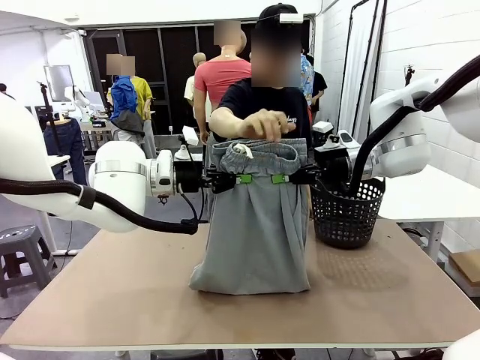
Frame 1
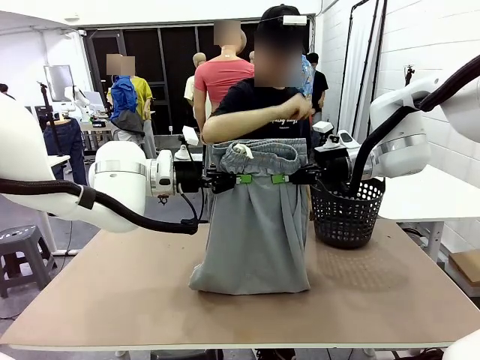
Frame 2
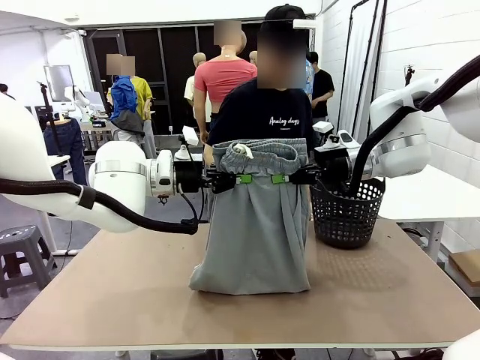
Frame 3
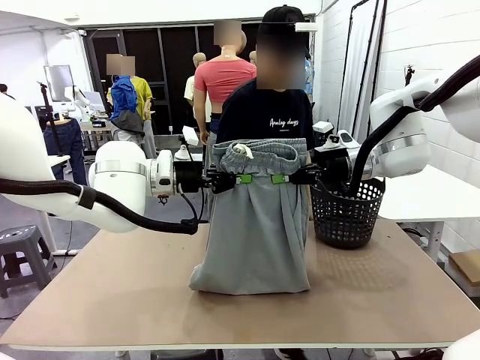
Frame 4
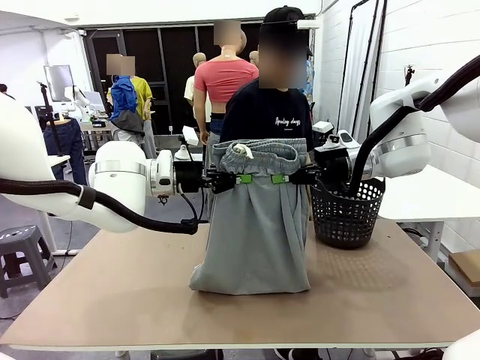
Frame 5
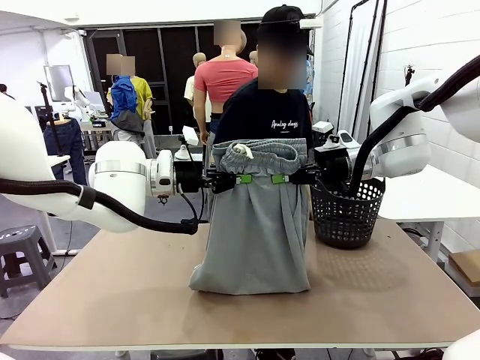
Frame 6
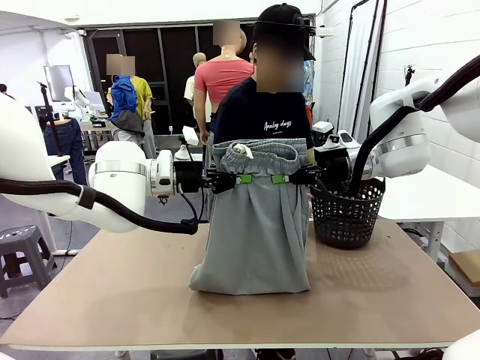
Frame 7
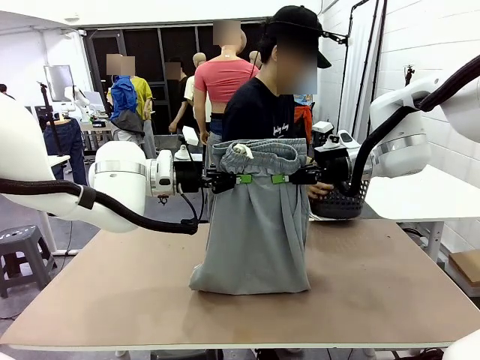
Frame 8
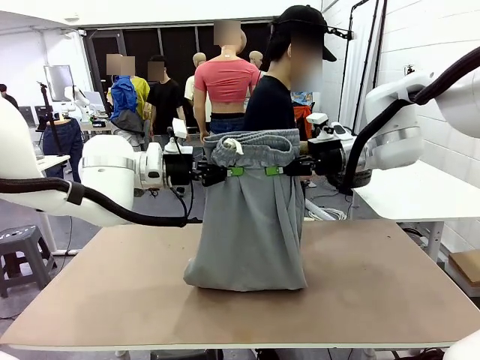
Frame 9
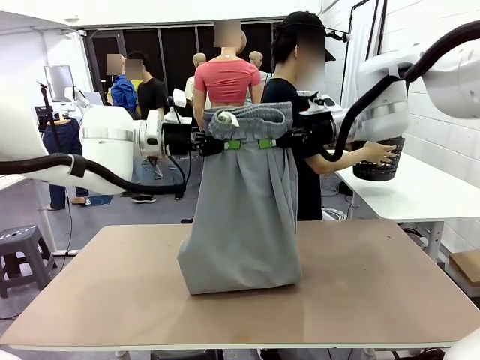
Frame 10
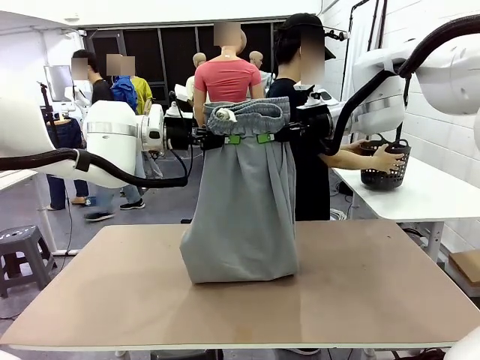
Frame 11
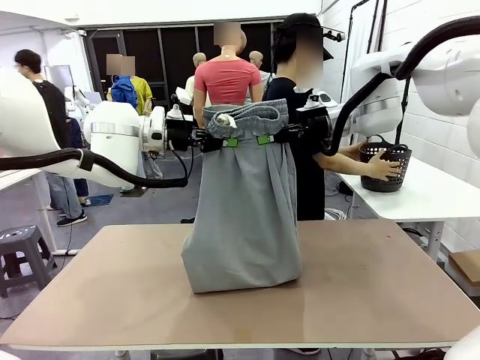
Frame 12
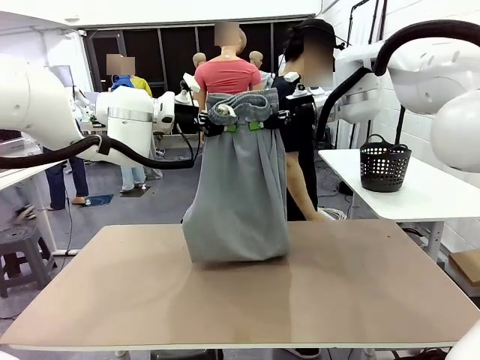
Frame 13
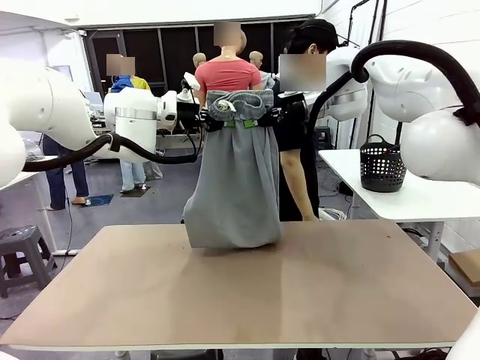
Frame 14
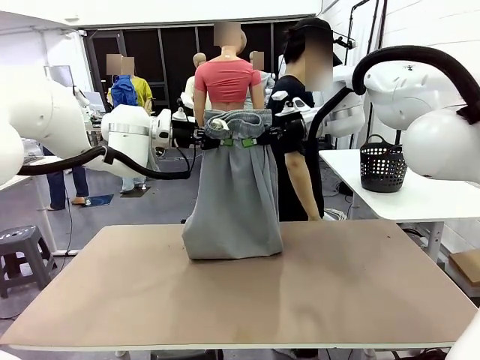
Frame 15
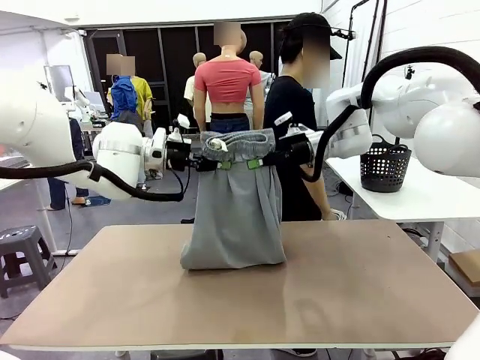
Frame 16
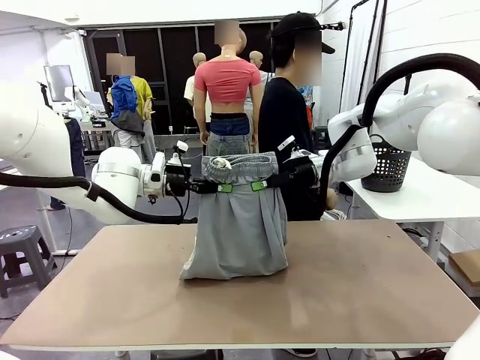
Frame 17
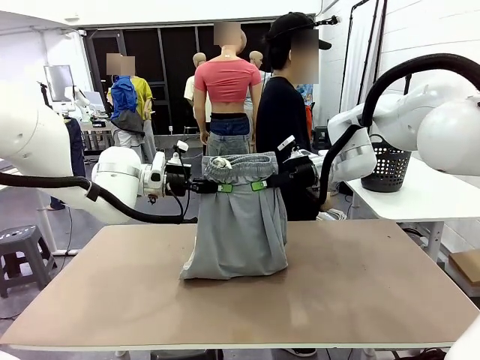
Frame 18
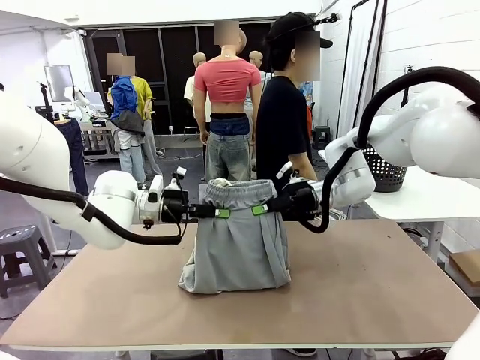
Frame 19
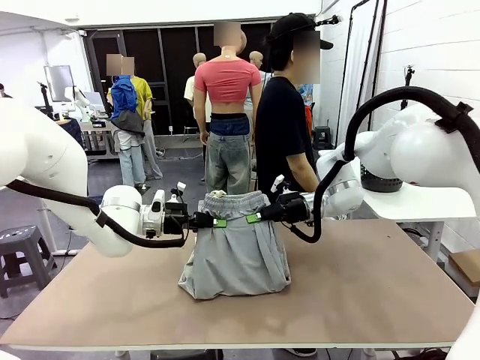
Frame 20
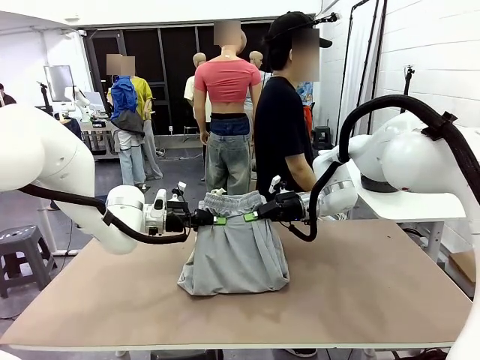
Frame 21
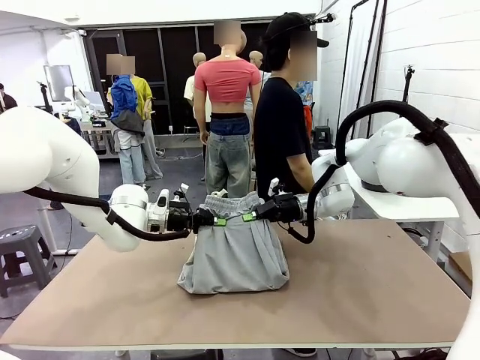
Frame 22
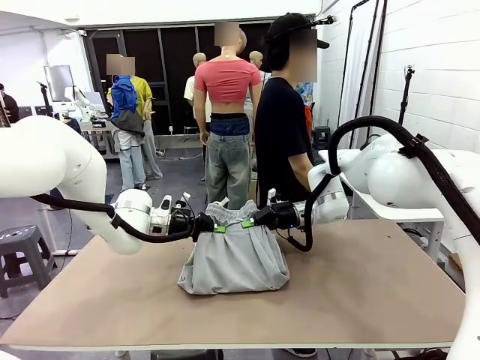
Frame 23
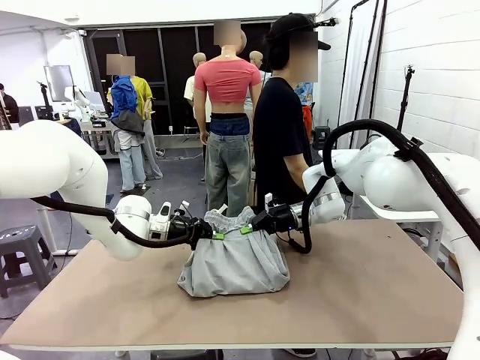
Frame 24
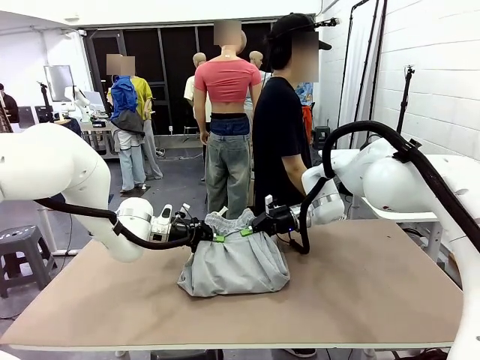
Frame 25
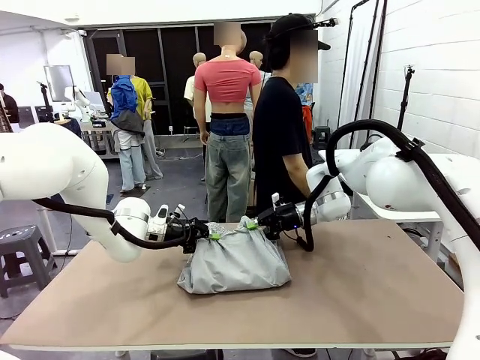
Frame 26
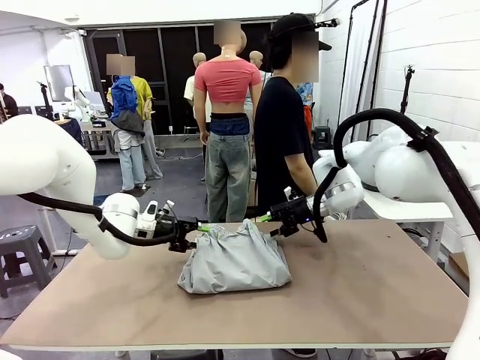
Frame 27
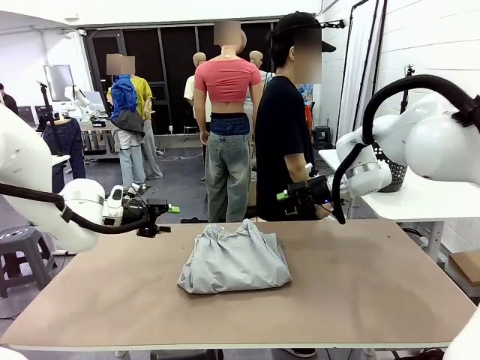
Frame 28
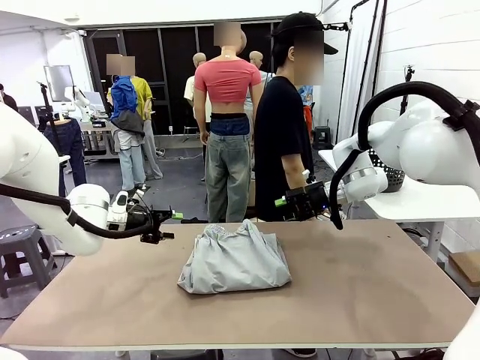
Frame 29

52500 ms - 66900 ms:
Task: Fold the training pants.
Robot: Fold the Training pants in half.
Person: Move the laundry basket to the right of the human table.

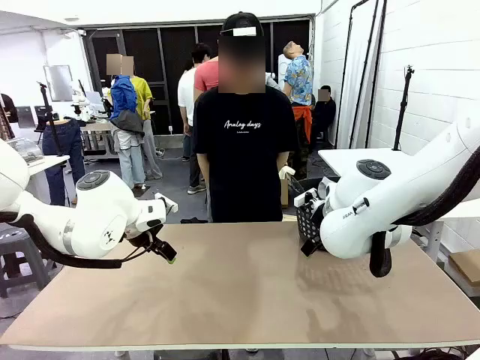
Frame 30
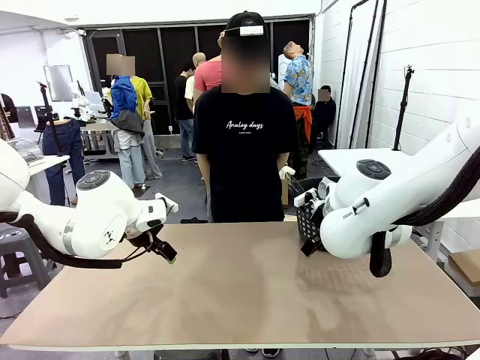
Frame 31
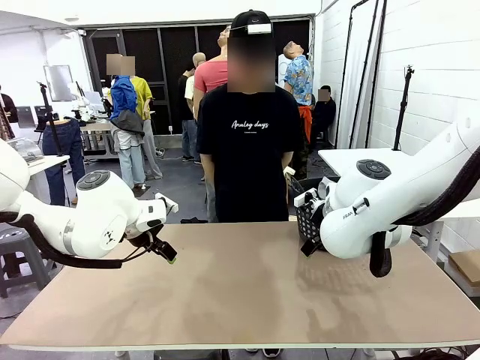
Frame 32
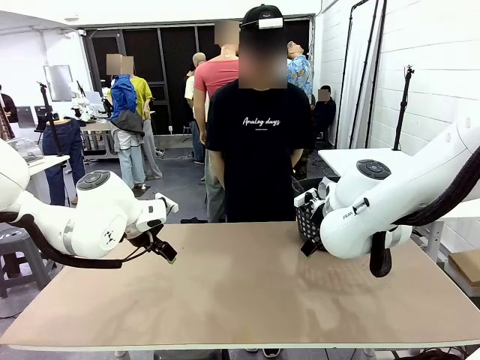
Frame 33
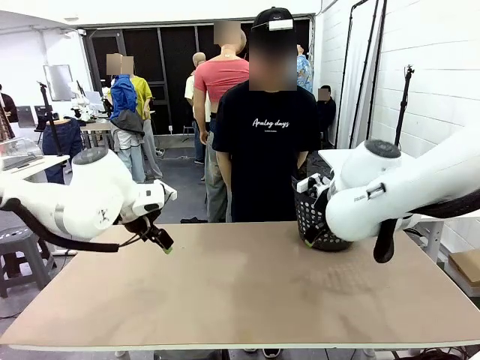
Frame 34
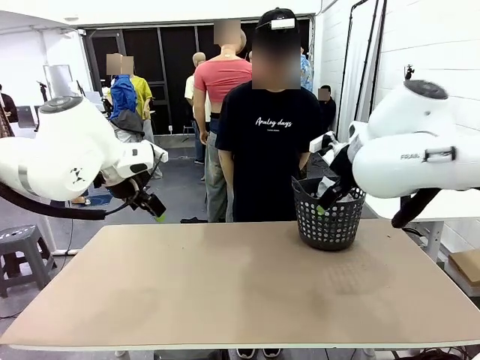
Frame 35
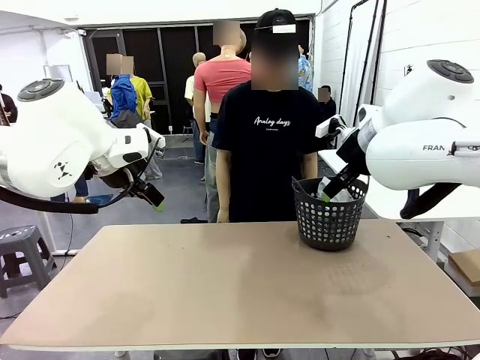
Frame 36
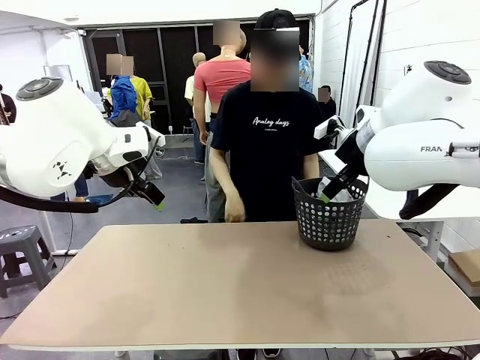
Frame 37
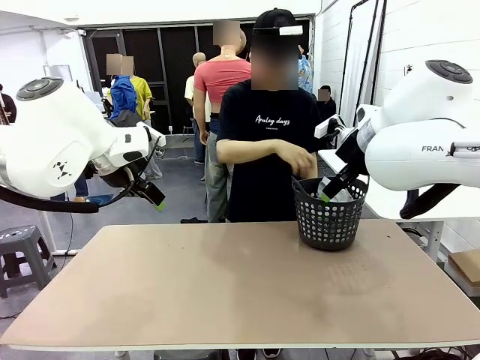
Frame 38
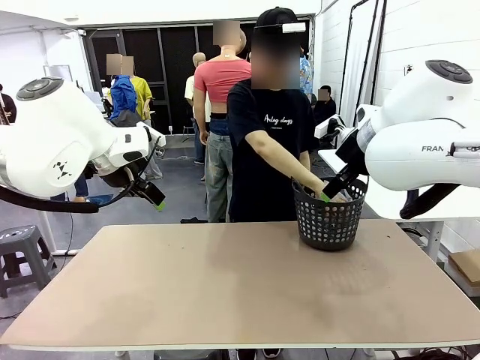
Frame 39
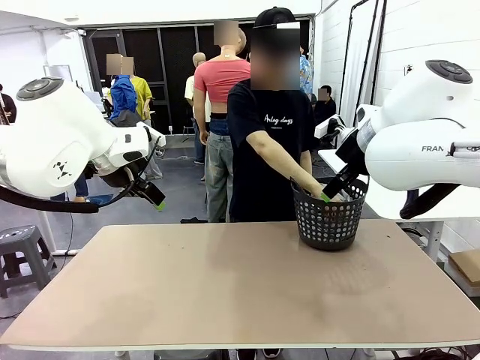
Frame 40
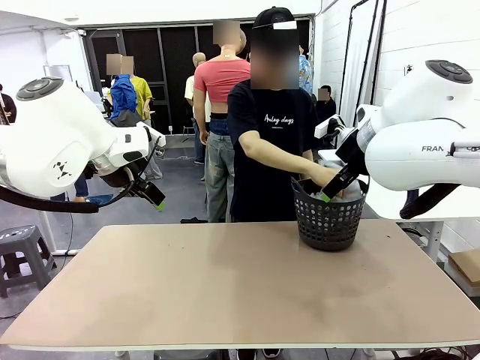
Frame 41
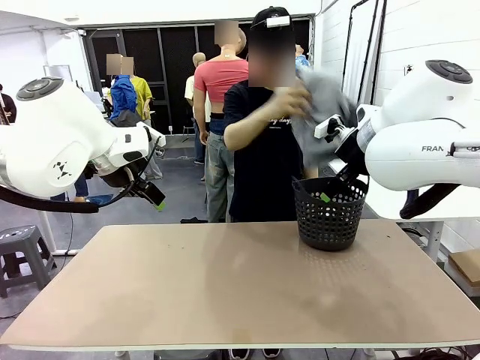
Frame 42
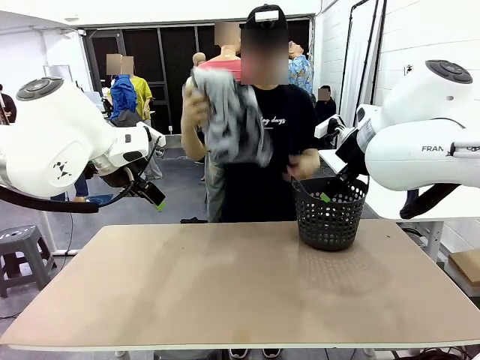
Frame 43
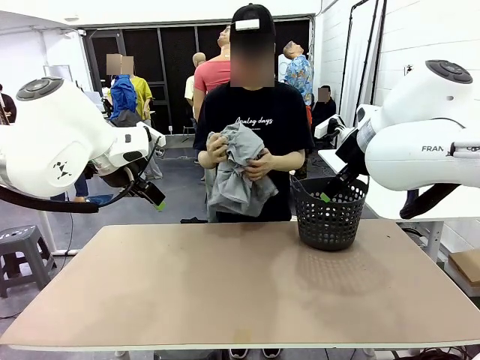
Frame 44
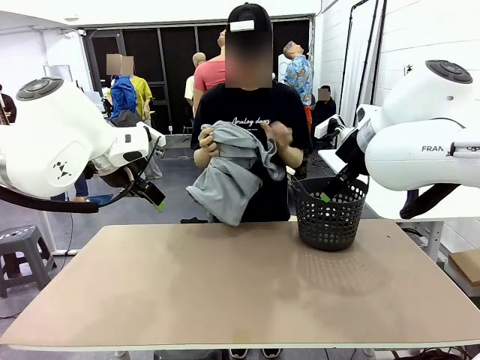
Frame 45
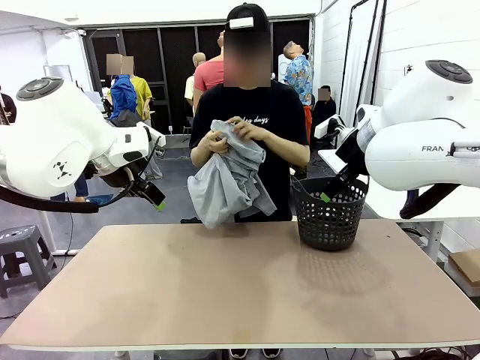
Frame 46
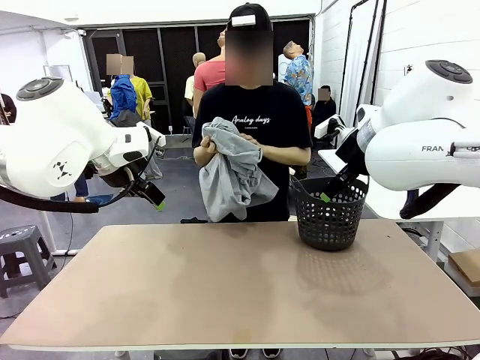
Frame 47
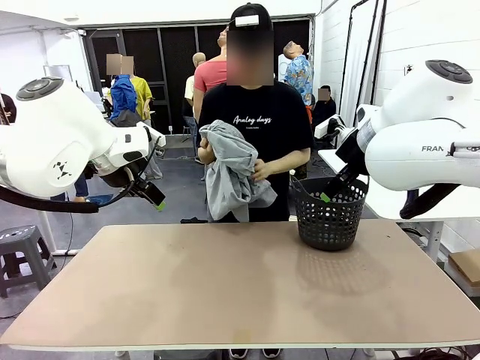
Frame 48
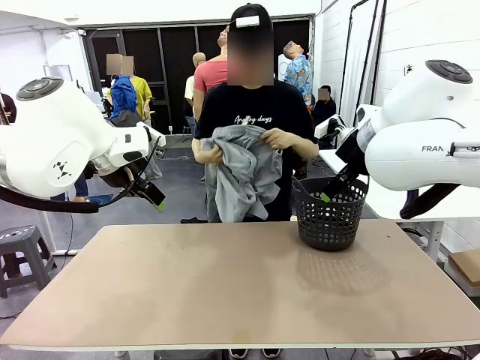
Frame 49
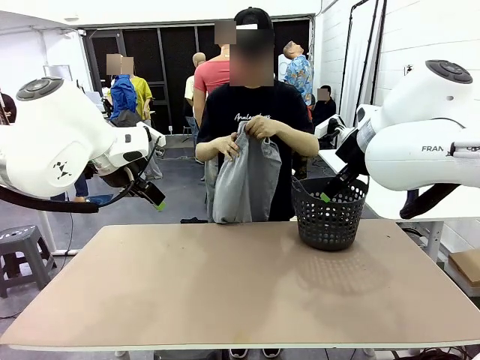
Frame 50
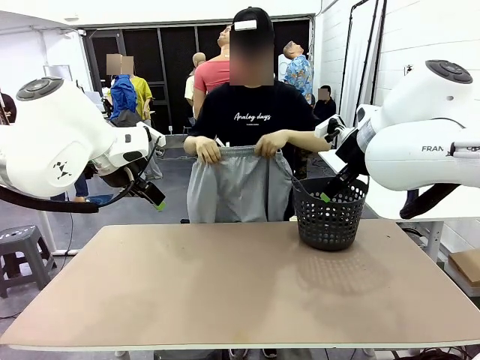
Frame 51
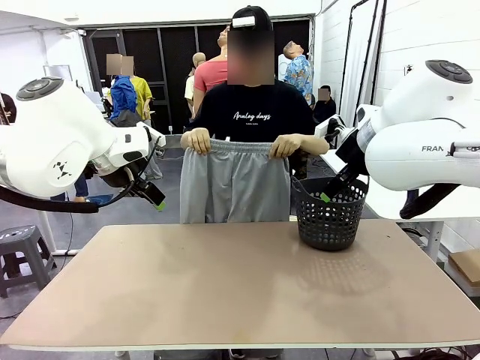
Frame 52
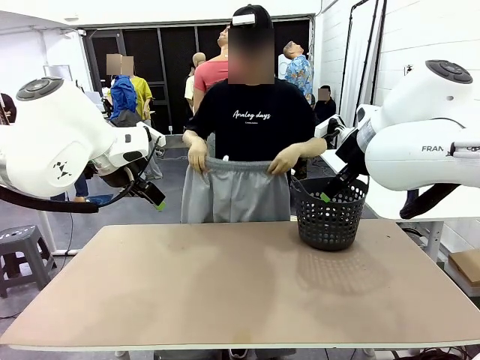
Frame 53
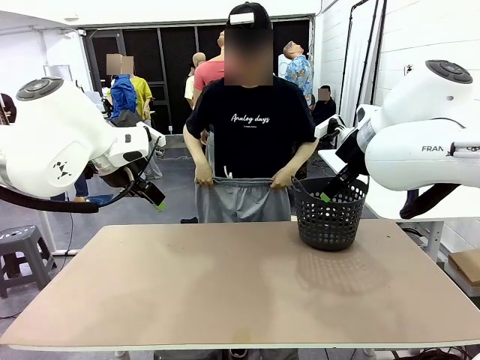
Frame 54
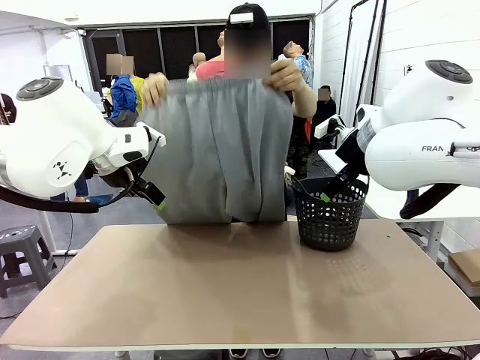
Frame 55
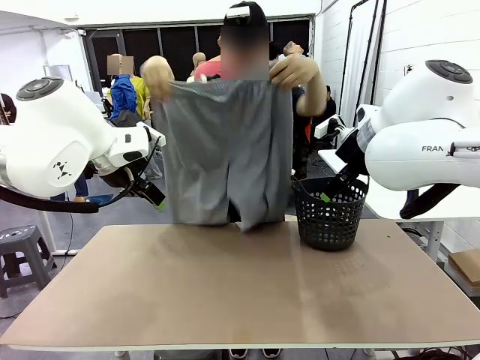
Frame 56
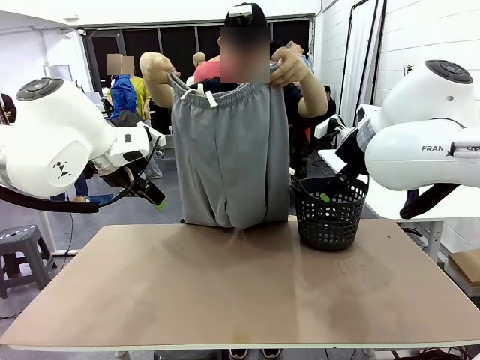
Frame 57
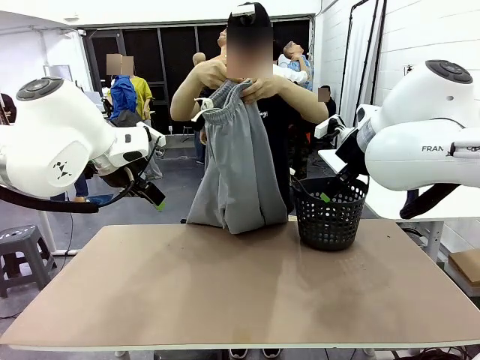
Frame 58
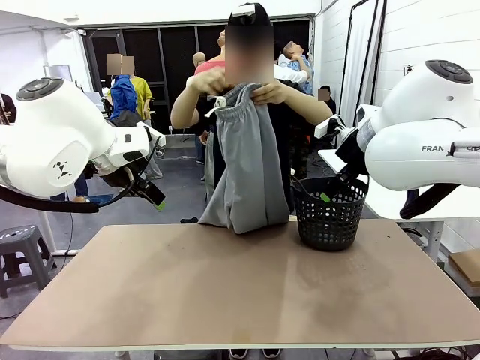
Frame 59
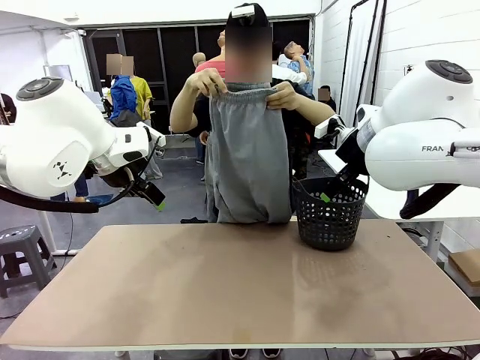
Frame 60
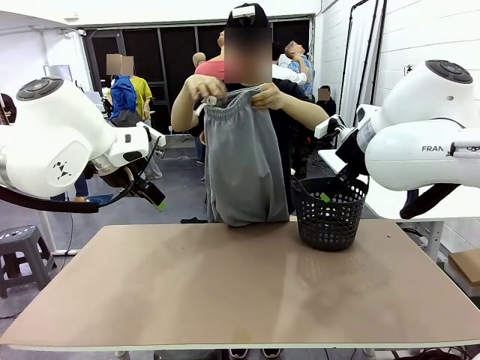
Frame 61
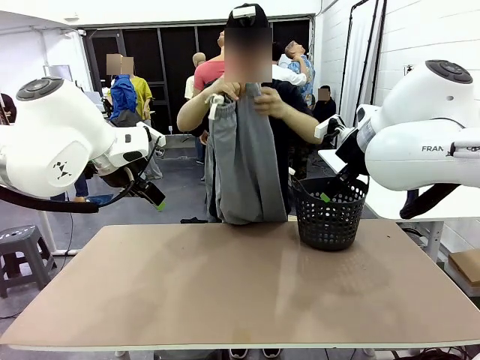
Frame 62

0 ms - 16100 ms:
Task: Fold the training pants.
Robot: Grab both ends of the Training pants handed by a person.
Person: Take the long pants out of the laundry basket, unfold them, fold the waist in half, and extend them so the robot can pick up both corners.
